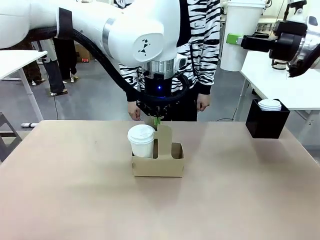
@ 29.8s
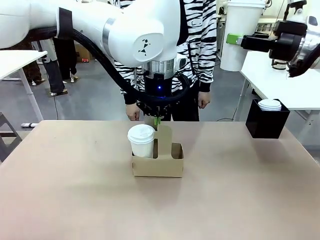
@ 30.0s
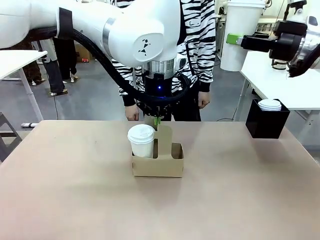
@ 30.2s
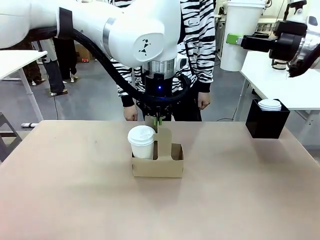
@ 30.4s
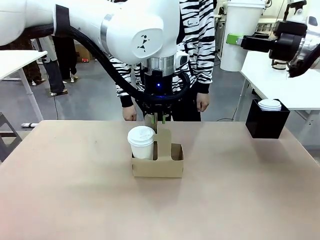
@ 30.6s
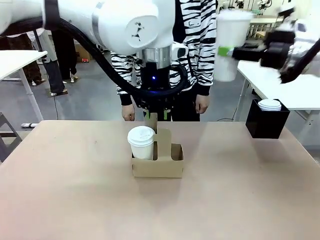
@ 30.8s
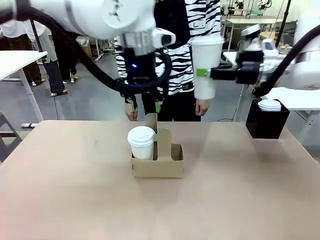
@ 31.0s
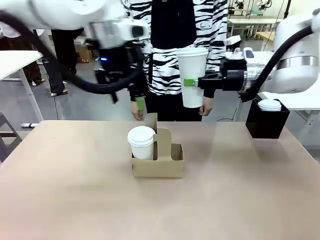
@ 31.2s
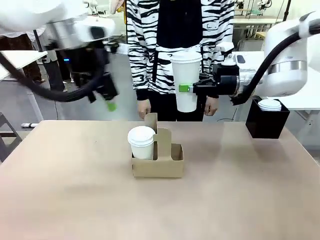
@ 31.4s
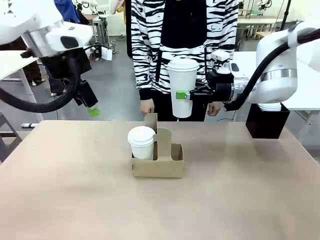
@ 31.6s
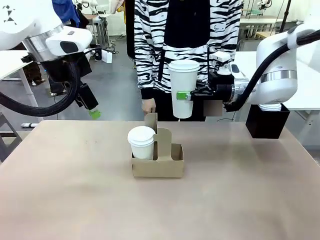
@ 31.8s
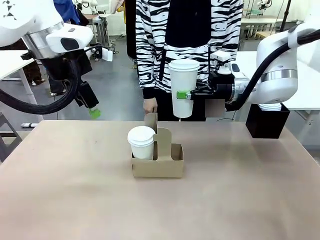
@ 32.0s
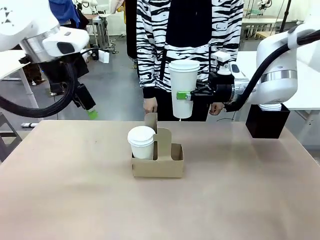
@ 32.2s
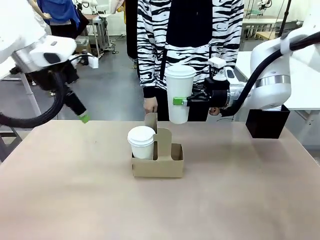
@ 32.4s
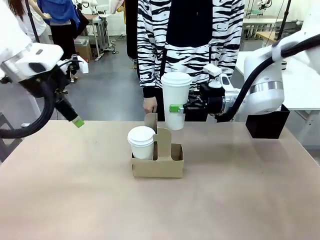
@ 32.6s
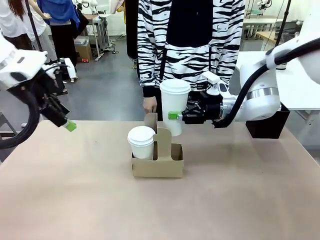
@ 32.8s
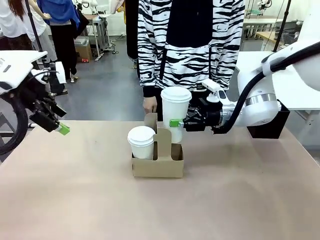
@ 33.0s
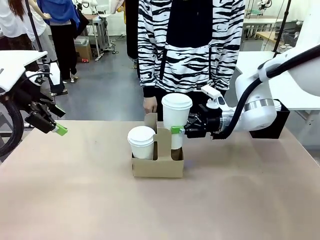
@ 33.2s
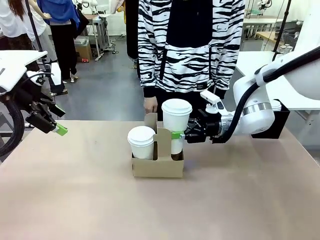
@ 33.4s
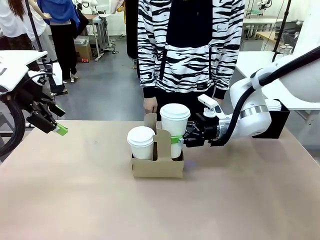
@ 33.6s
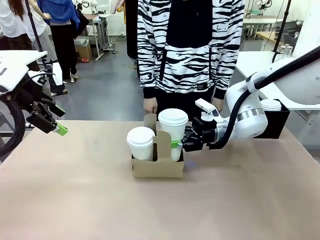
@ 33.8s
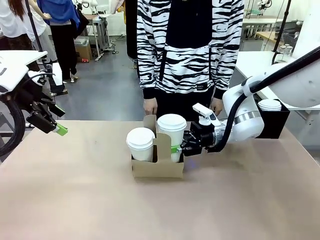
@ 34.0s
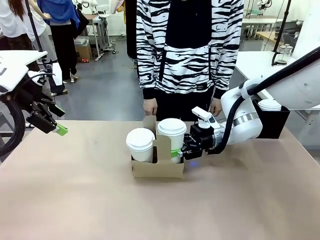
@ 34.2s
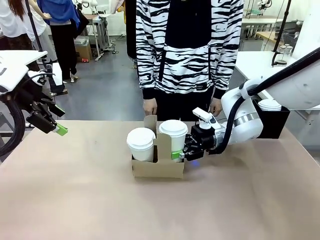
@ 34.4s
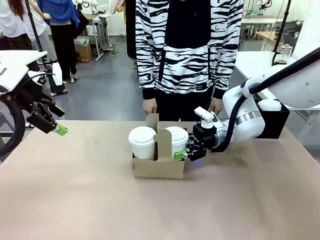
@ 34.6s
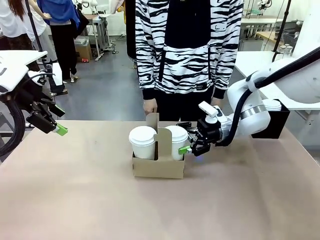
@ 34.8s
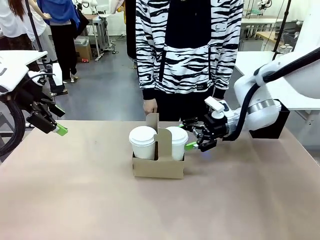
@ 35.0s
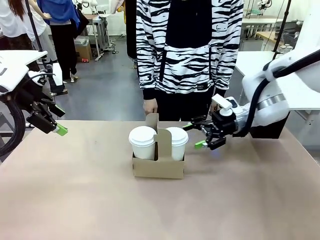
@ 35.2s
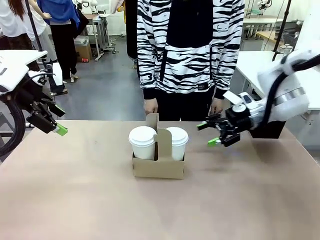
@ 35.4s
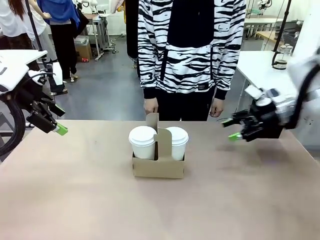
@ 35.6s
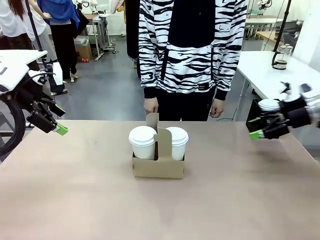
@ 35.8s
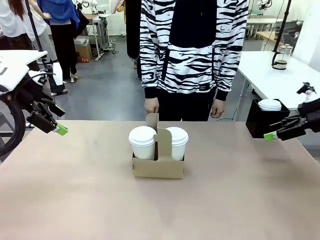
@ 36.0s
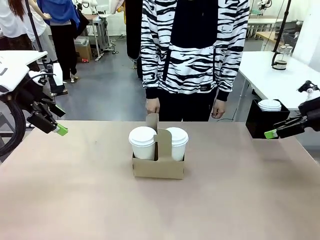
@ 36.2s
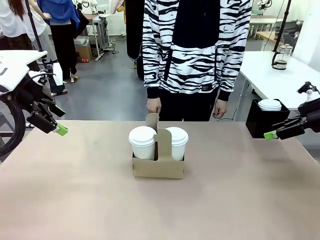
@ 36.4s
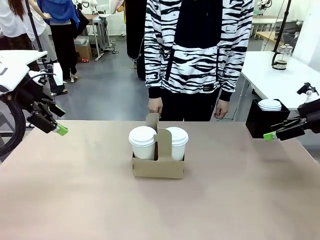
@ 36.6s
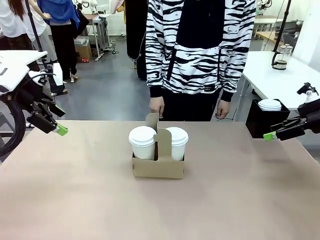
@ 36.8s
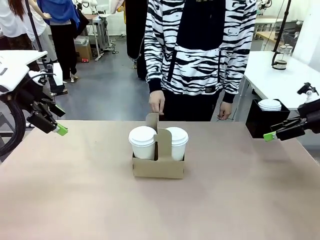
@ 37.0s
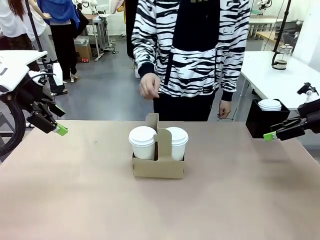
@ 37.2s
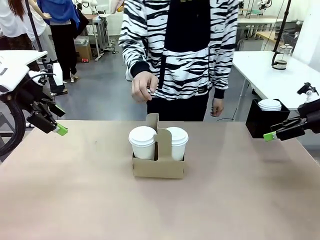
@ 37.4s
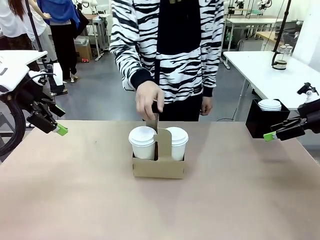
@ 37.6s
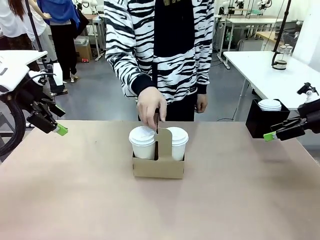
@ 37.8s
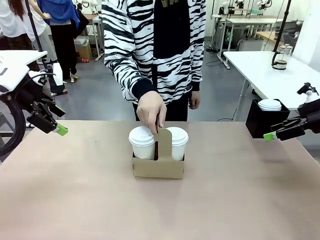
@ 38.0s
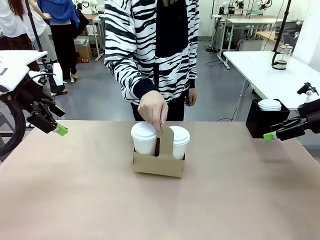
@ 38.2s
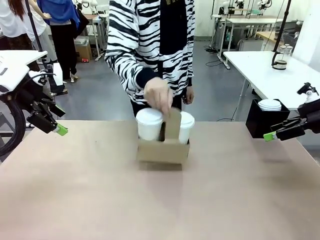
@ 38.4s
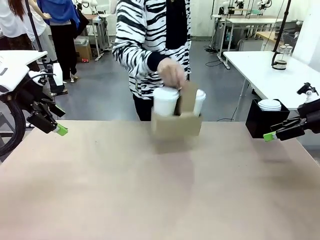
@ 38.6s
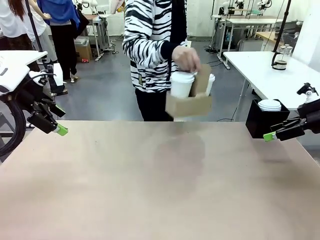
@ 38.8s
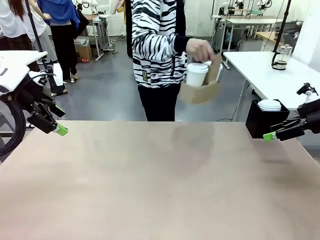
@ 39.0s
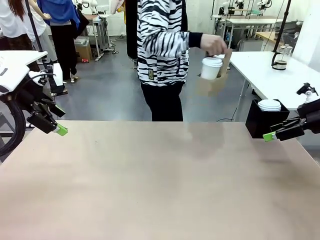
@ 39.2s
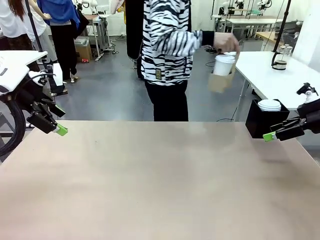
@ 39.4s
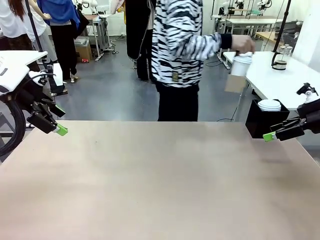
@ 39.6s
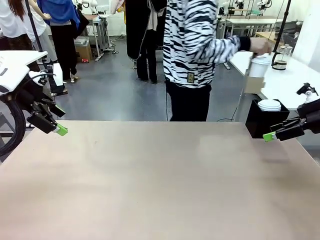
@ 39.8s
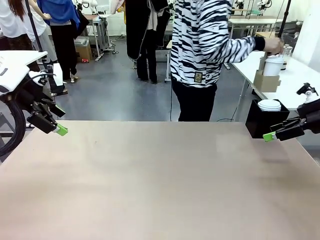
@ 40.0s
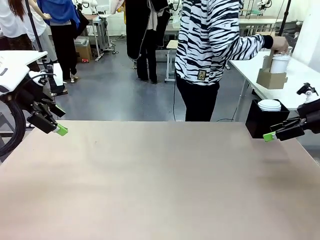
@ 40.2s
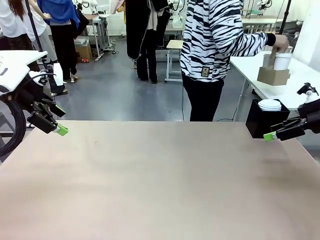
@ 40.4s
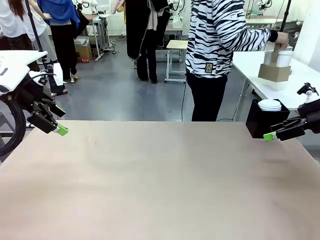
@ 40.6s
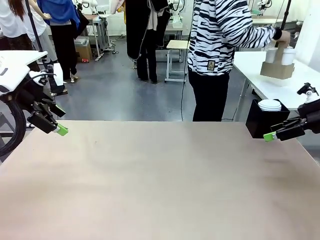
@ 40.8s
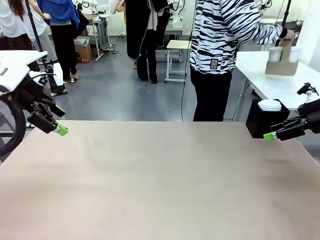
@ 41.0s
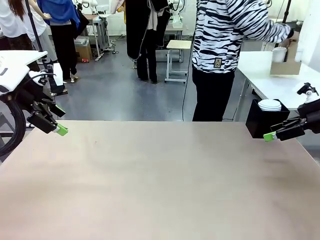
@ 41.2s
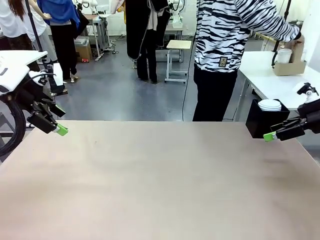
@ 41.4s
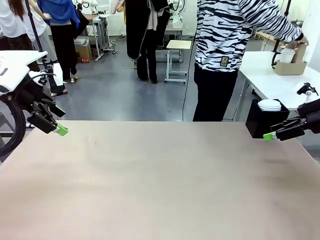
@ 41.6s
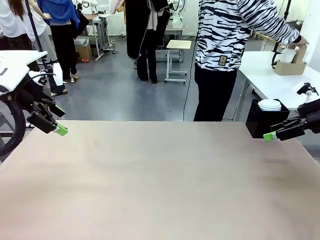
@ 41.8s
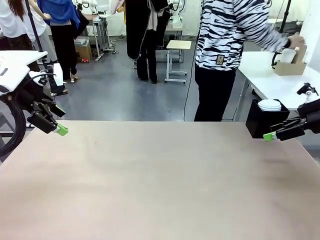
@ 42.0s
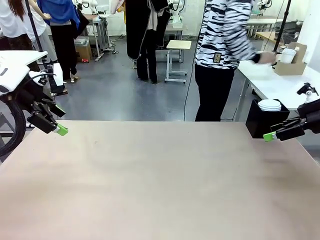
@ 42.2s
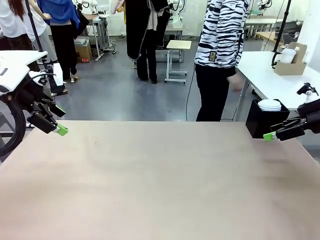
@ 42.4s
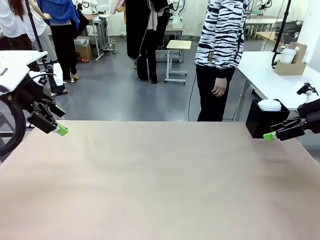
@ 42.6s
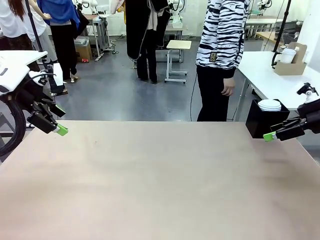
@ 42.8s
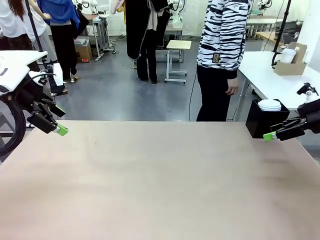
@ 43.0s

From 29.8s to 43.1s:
Task: Pour a drink into a cup and package it in a carrier.
Robot: Insert the held 600 ml Paper Cup into the Cup Carrier.
Person: Place the Cup Carrier to the middle of Human table.

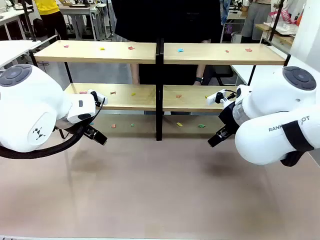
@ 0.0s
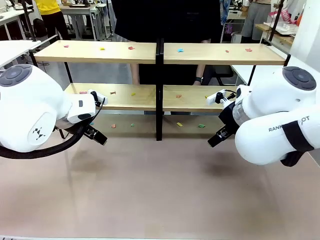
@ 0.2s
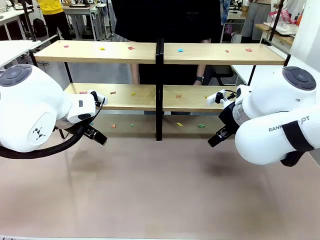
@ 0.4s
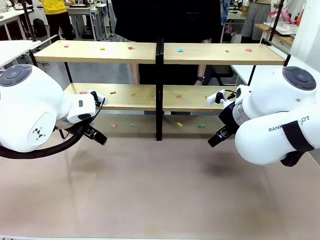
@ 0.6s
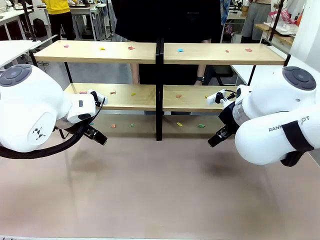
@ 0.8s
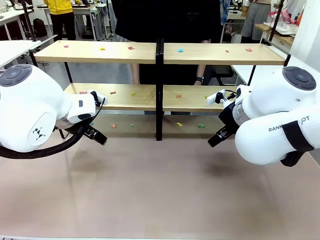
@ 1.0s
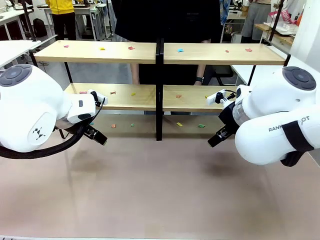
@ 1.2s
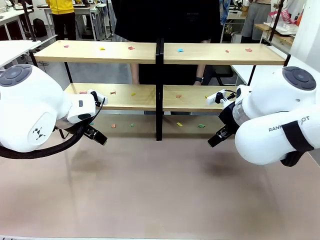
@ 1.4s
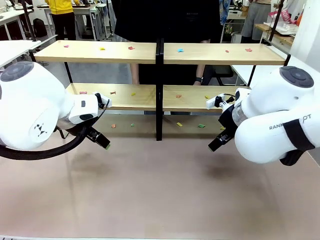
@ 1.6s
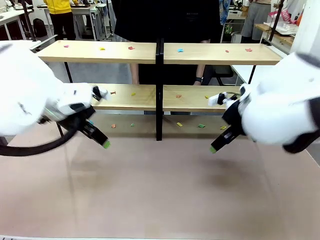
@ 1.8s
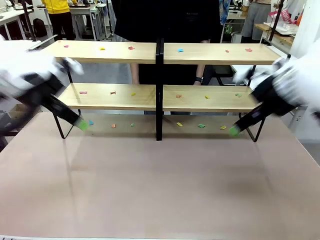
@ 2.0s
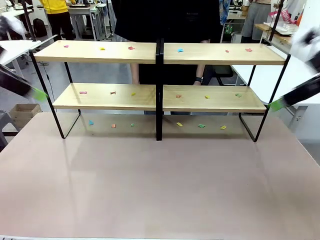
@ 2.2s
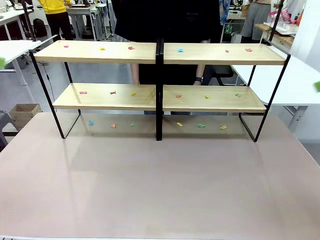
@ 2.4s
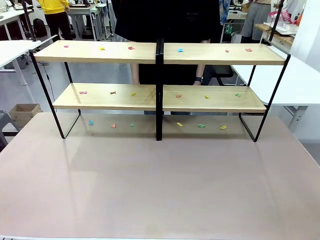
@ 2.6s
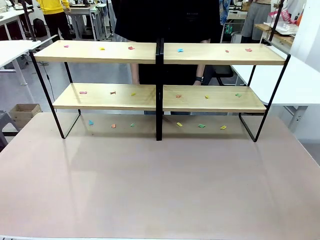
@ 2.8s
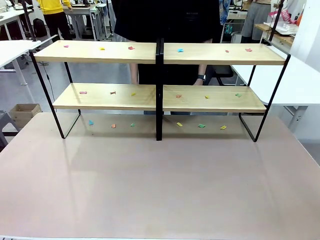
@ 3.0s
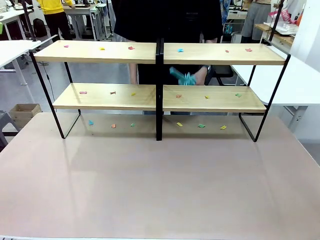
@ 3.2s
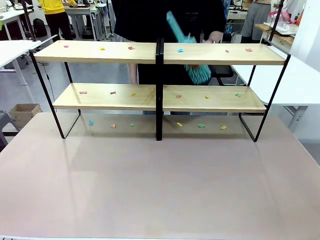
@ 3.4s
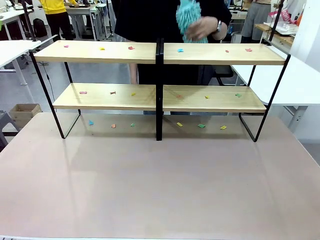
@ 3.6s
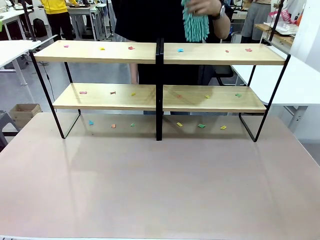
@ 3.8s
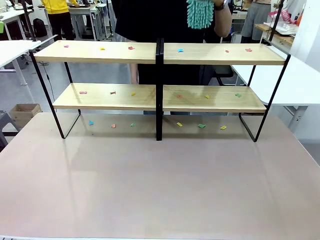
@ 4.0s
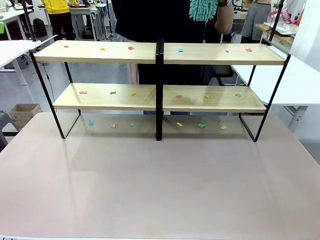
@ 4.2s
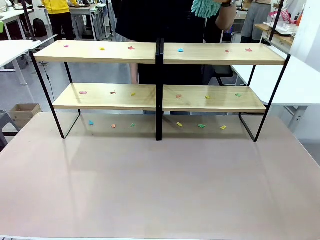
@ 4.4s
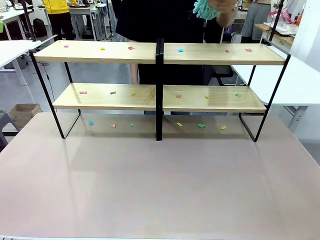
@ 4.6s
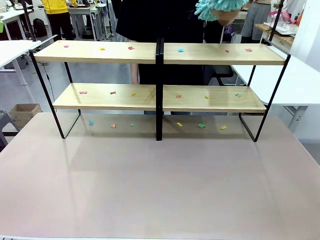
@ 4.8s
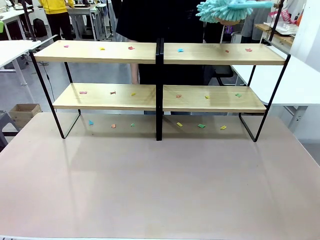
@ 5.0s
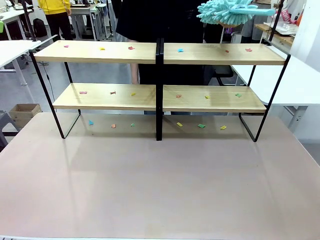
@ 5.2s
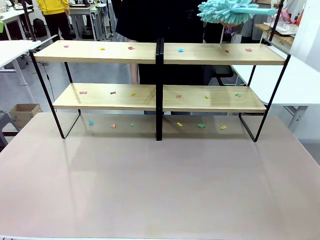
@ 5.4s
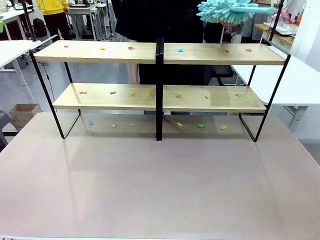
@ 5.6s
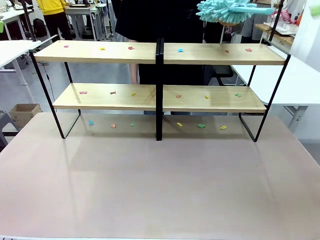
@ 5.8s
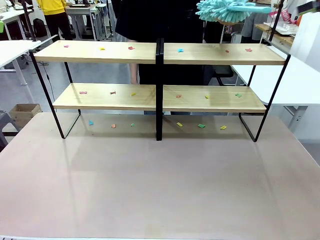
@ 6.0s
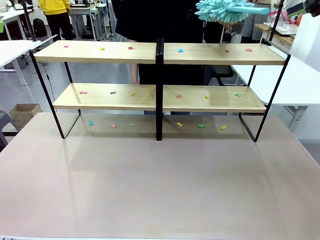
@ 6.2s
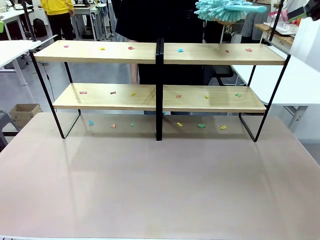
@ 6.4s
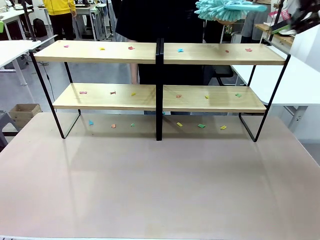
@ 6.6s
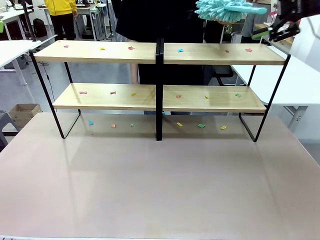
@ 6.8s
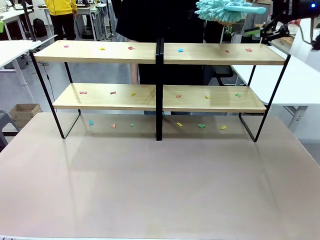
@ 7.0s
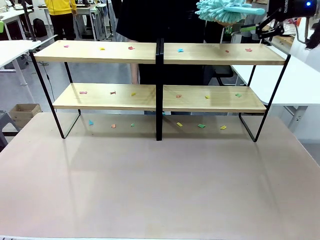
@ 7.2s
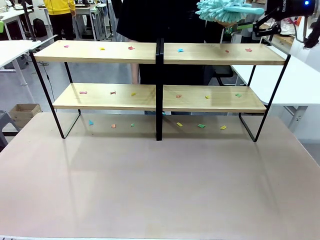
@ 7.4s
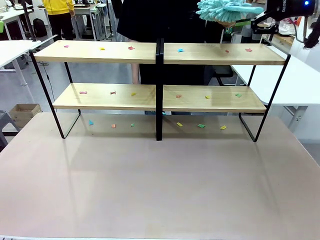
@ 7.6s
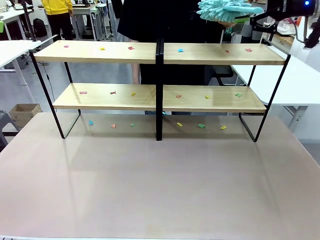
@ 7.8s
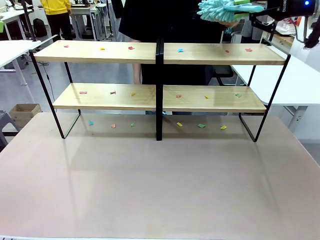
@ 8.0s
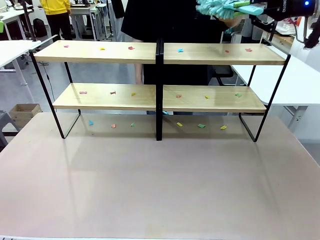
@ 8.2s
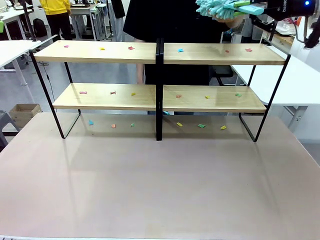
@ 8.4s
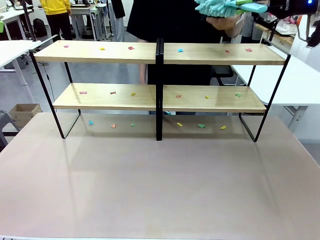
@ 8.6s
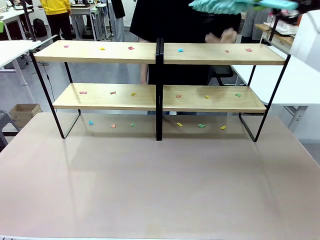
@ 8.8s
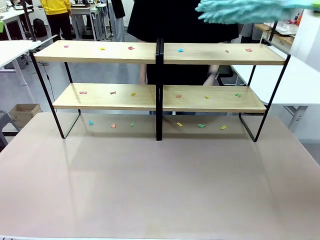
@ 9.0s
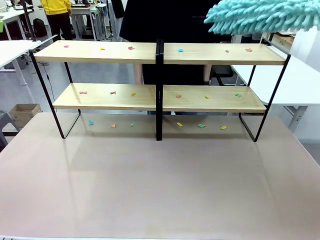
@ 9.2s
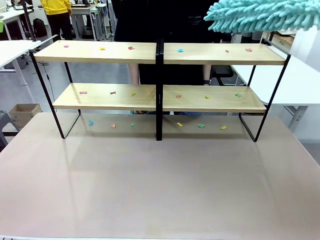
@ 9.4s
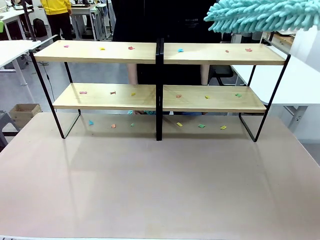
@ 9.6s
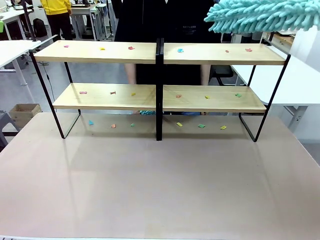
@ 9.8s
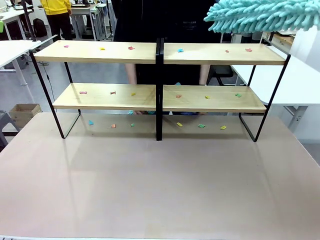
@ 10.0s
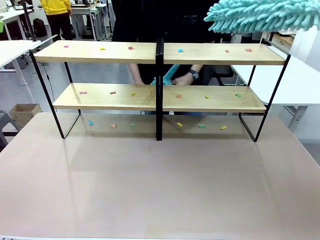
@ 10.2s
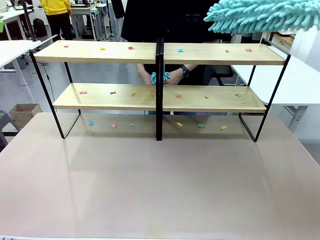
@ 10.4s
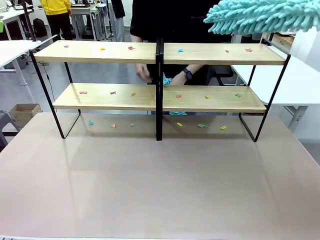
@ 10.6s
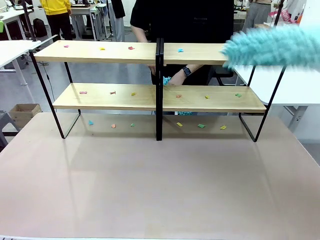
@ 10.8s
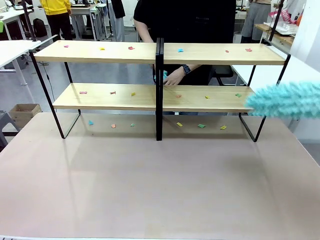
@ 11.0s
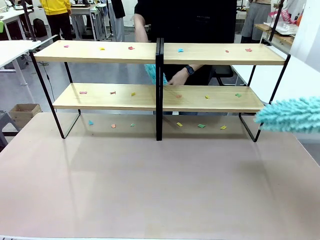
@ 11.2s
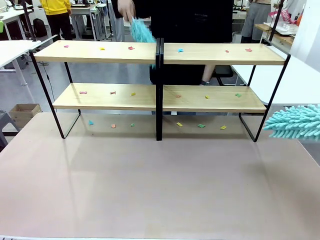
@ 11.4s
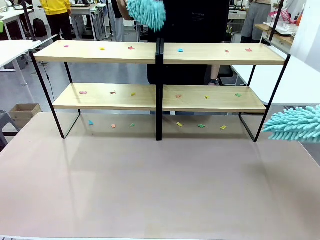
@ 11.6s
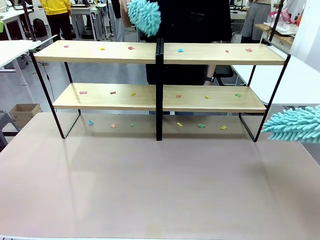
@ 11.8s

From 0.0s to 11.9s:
Task: Clean the shelves.
Robot: Pick up the Duster when the human hands it over.
Person: Hand the Duster to the robot with your right (or left) hand.
